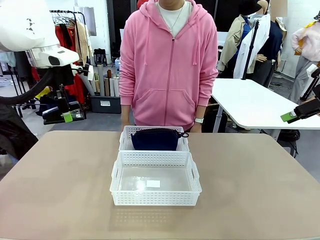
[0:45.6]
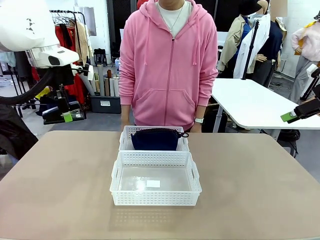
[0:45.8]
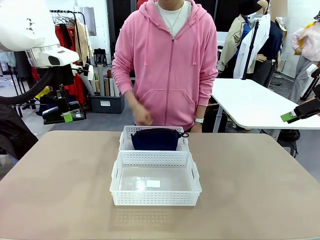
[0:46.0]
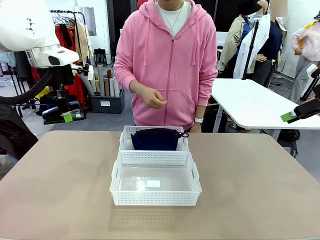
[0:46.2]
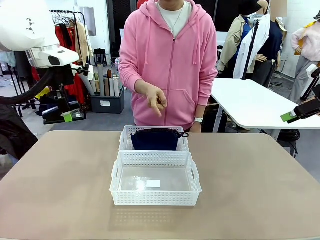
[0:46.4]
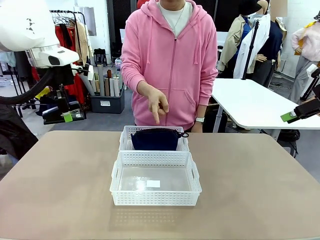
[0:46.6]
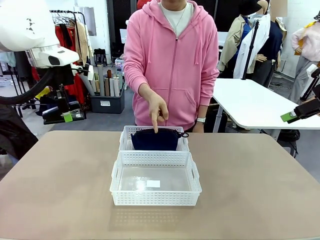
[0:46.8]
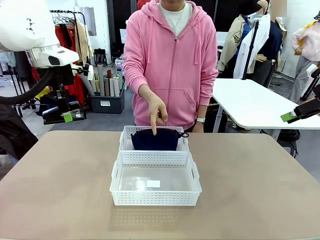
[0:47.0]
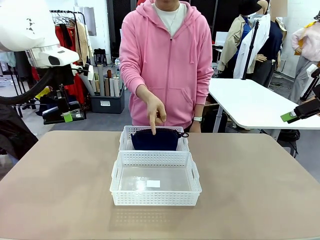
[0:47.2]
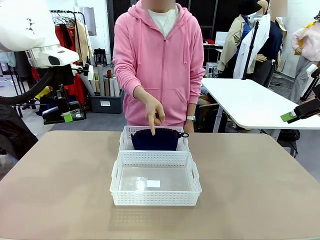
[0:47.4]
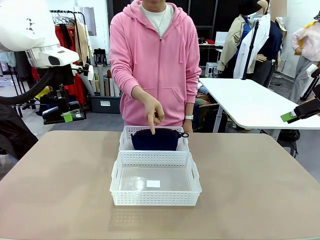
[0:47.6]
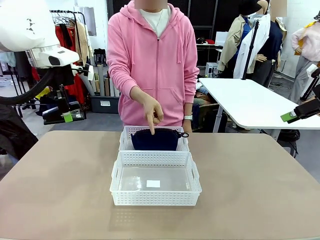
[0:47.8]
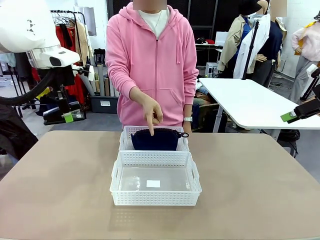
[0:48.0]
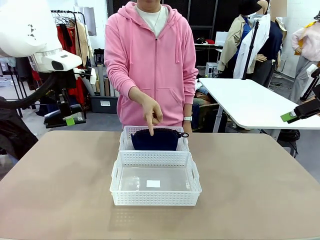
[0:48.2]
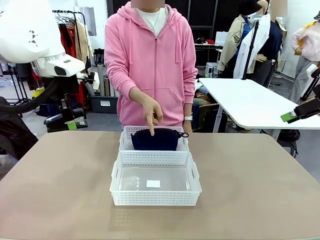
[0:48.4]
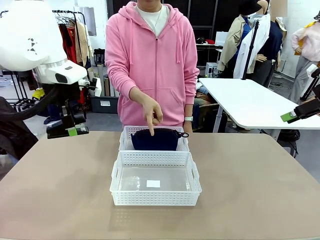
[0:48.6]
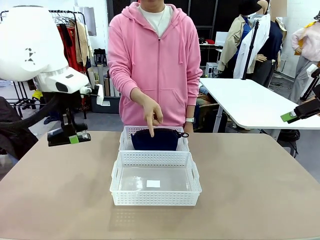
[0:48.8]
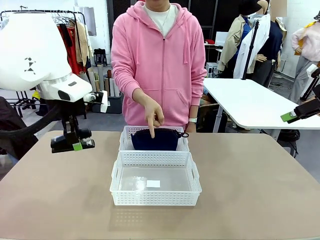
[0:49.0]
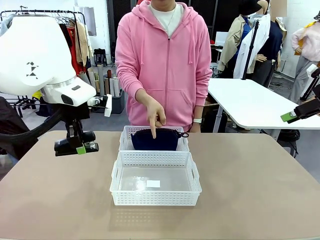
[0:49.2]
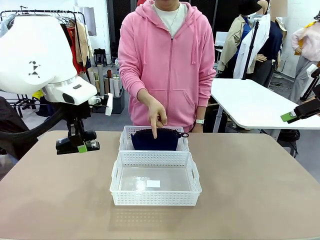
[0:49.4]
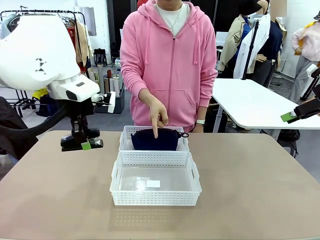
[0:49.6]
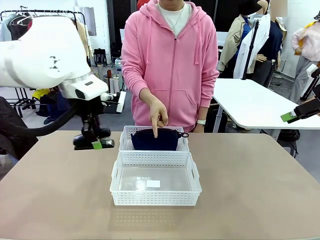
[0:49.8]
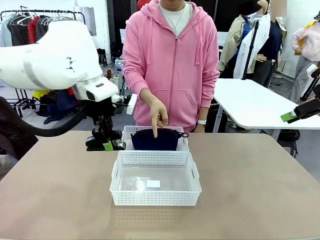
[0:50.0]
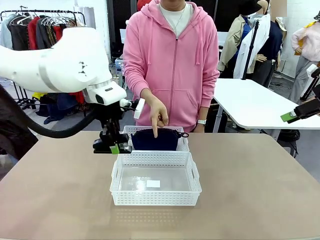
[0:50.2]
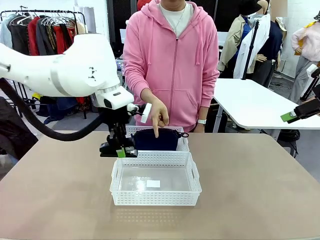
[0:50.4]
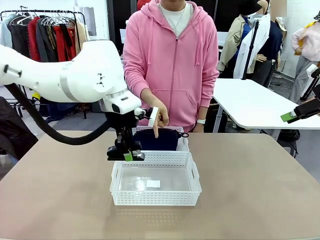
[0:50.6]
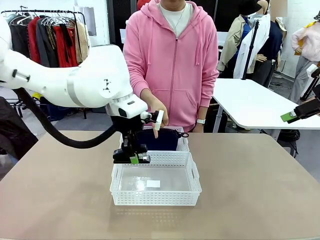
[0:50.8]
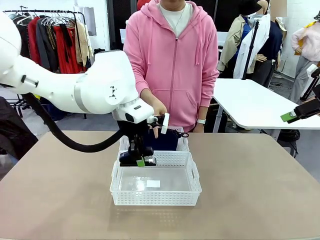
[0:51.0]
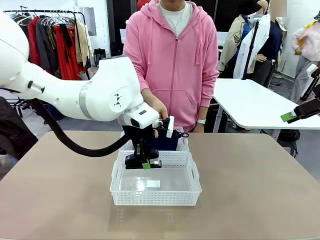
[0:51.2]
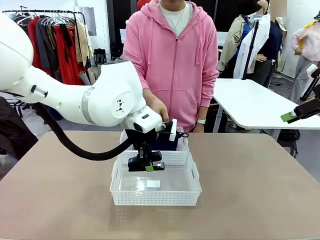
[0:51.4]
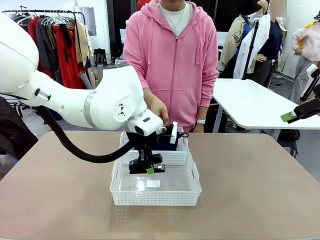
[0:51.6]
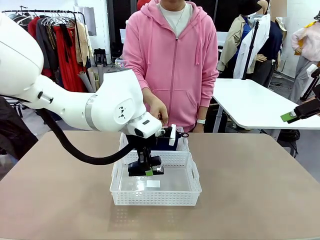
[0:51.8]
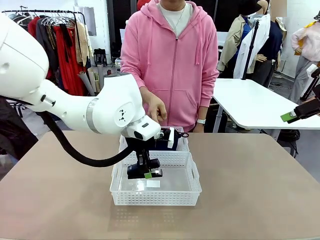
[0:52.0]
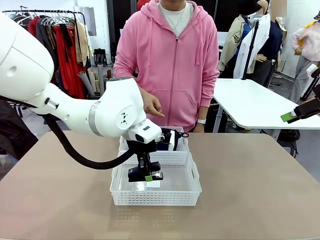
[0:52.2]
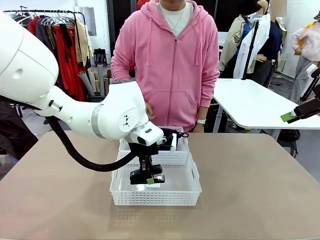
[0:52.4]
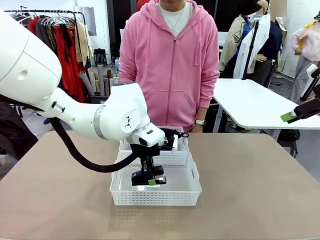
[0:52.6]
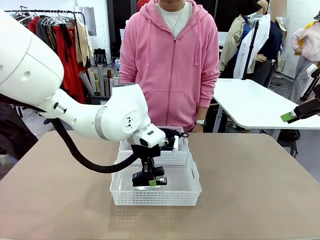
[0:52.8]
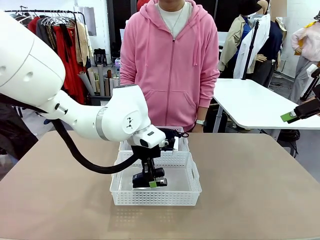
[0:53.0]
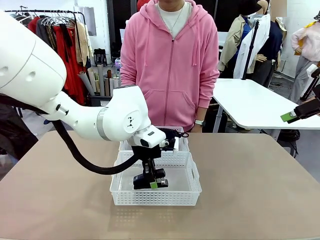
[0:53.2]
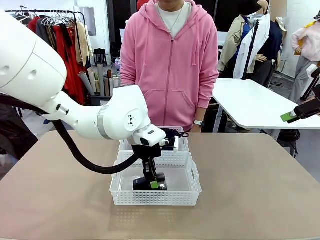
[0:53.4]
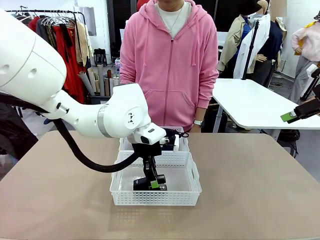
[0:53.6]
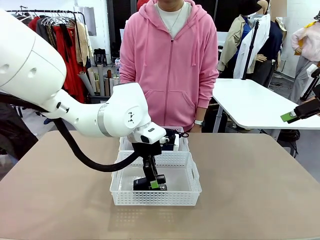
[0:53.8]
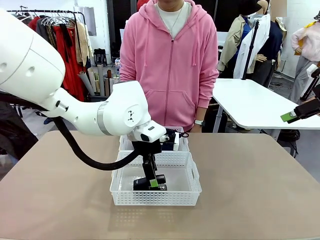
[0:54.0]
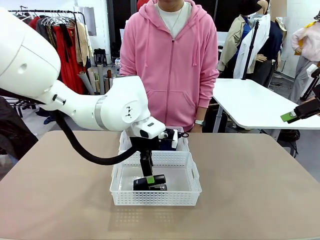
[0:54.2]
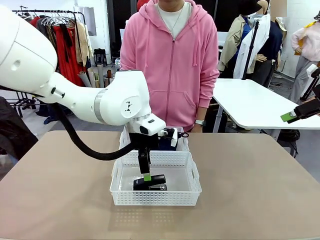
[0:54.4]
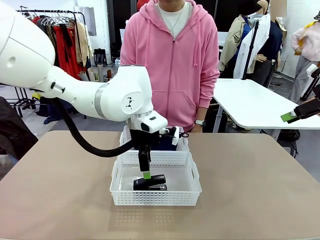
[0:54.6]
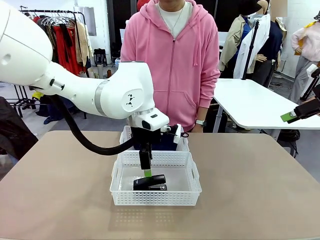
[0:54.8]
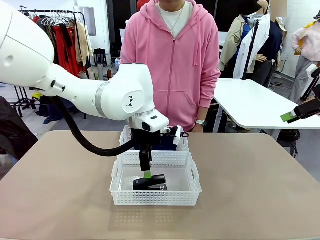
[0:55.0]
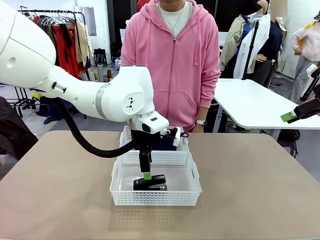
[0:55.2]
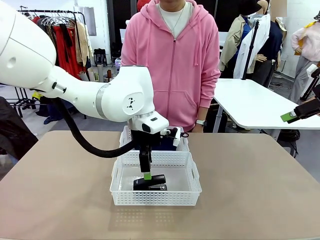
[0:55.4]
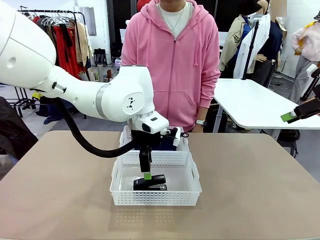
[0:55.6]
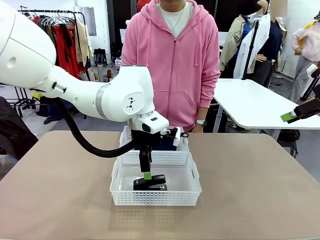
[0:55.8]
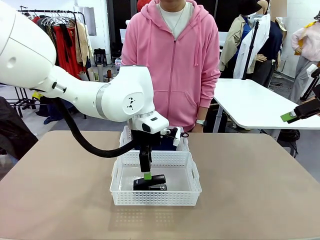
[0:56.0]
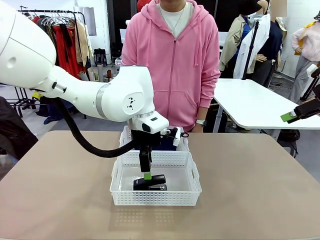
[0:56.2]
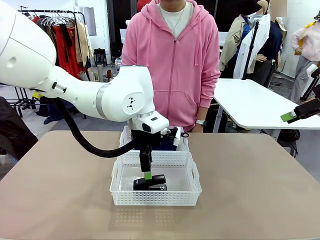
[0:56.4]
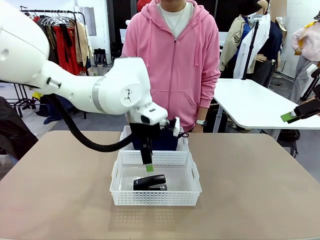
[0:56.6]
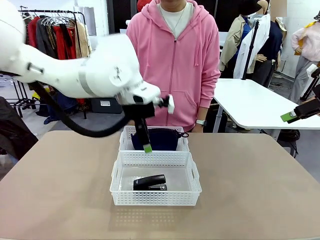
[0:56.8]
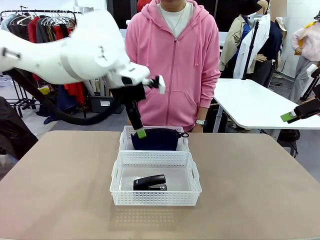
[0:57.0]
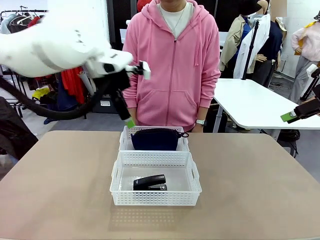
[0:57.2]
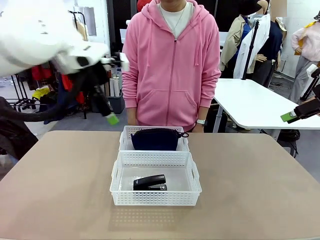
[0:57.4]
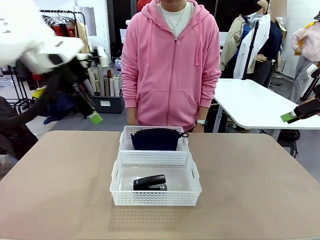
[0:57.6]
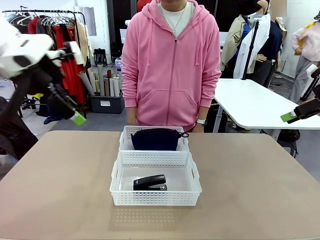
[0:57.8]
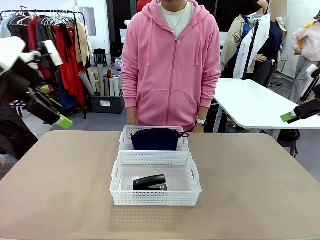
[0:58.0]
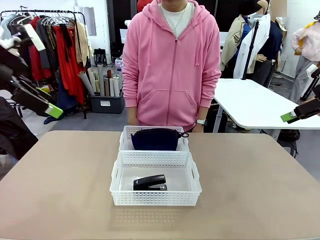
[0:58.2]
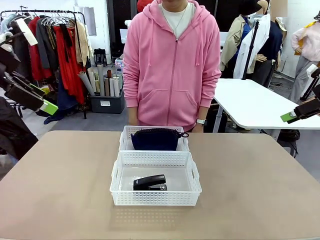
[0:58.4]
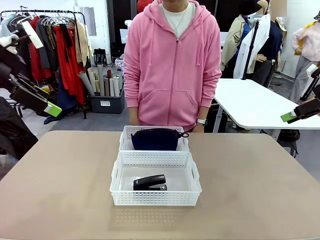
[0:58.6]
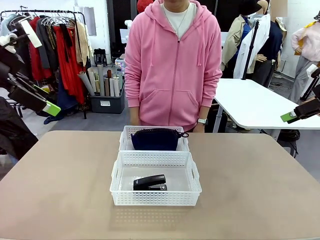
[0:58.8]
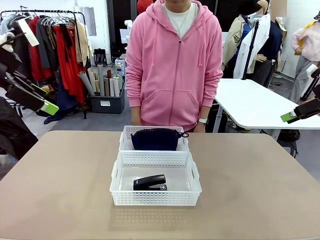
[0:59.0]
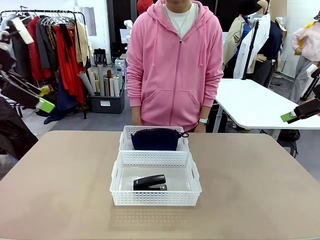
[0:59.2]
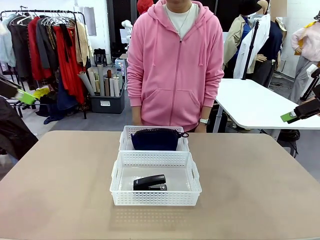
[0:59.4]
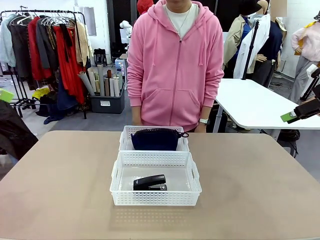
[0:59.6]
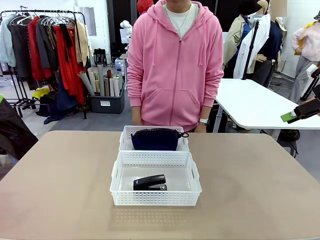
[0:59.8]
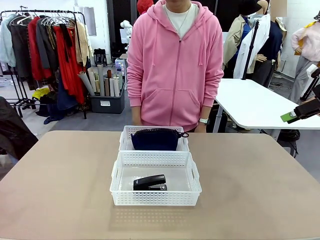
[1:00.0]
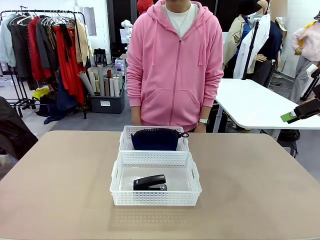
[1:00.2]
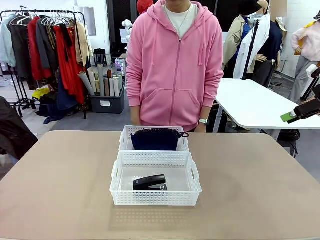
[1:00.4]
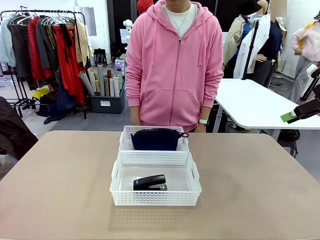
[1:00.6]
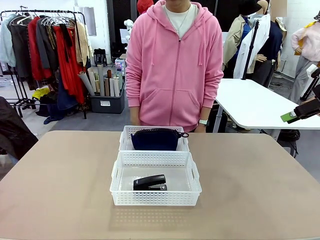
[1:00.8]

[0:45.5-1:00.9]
Task: Distribute items into two baskets.
Robot: Place the picked Stapler into the Organizing basket as instructed by the person.
Person: Points to the basket that does not contain the pencil case and instructs the robot to move the stapler there.
